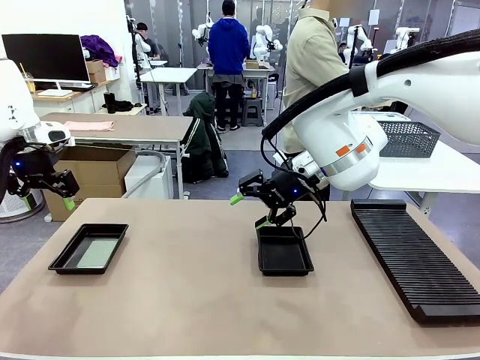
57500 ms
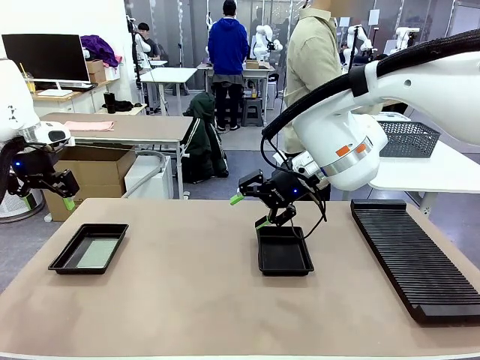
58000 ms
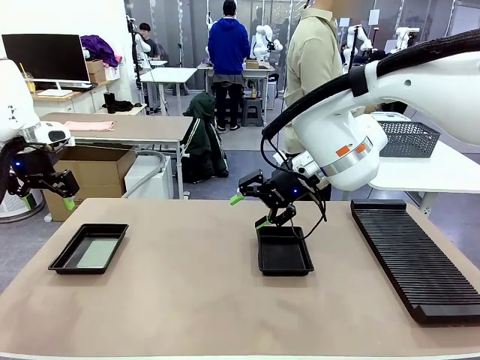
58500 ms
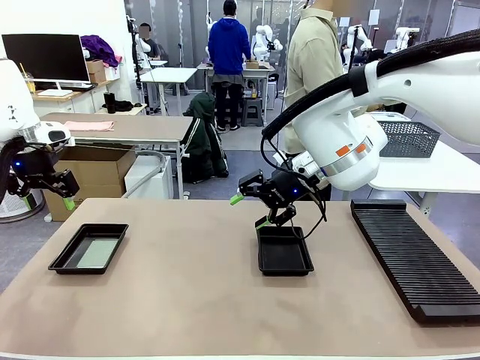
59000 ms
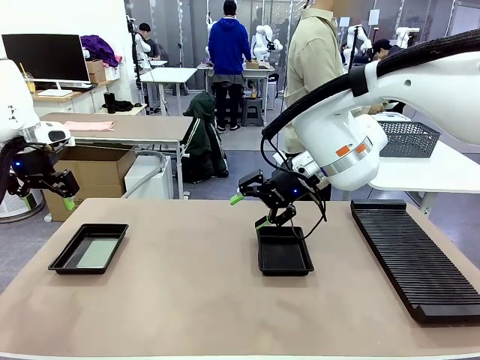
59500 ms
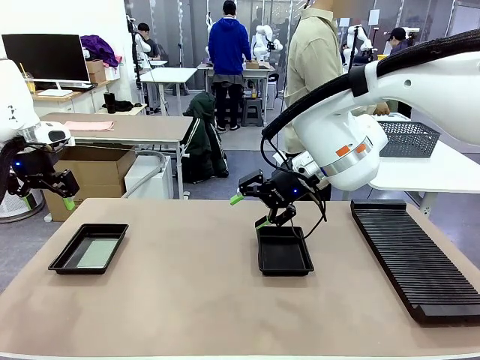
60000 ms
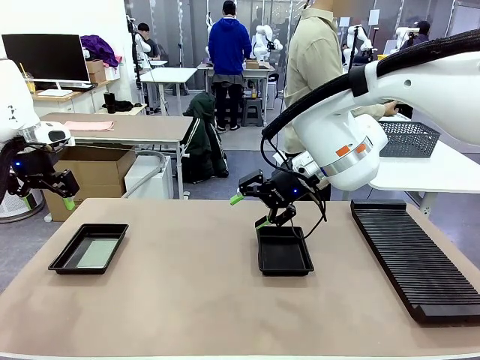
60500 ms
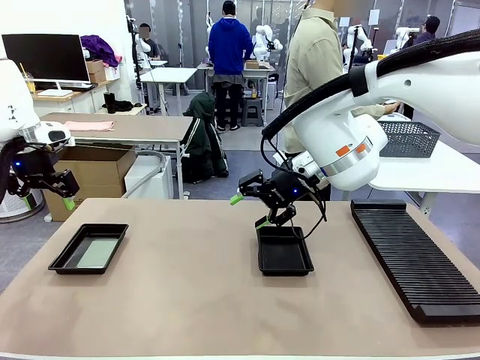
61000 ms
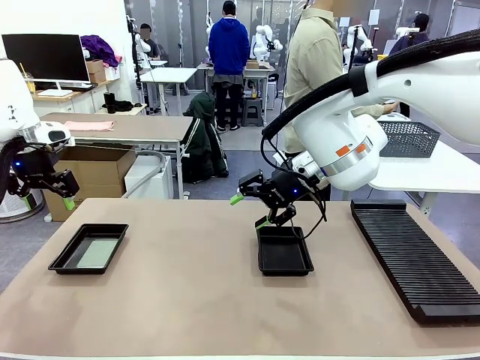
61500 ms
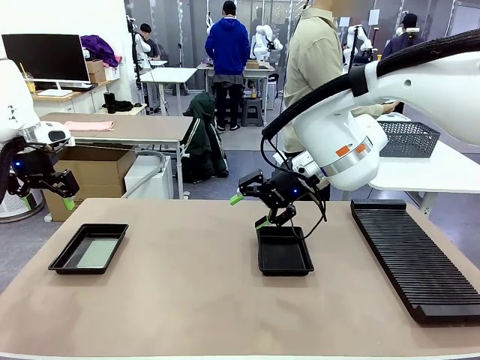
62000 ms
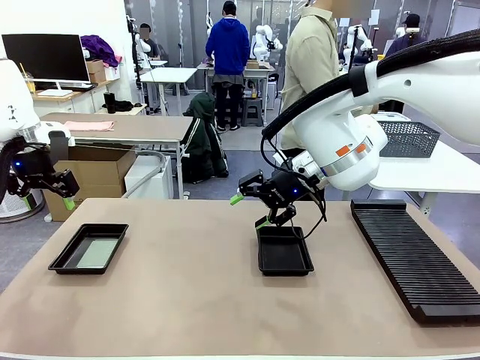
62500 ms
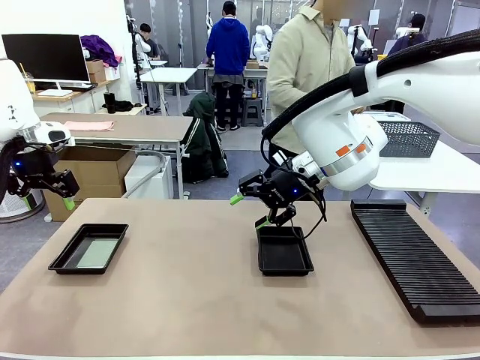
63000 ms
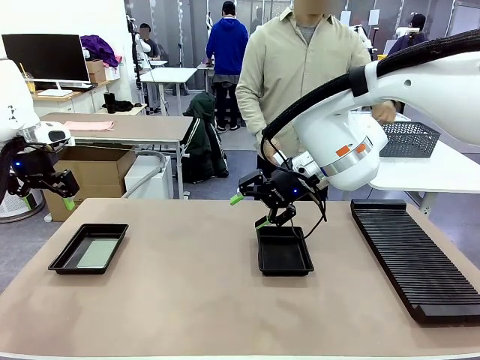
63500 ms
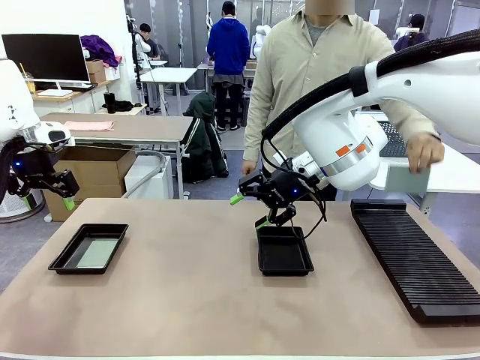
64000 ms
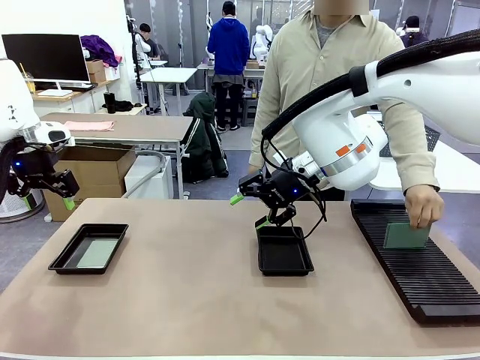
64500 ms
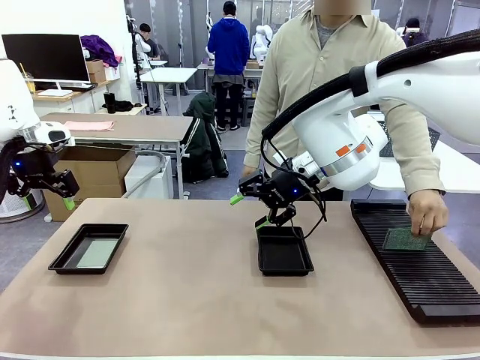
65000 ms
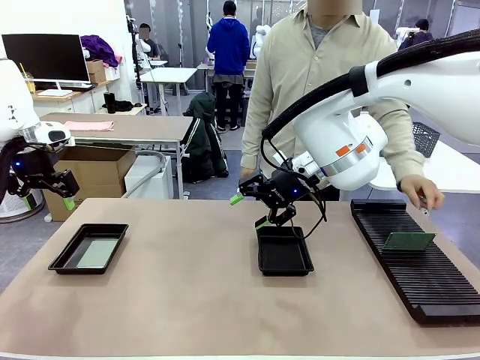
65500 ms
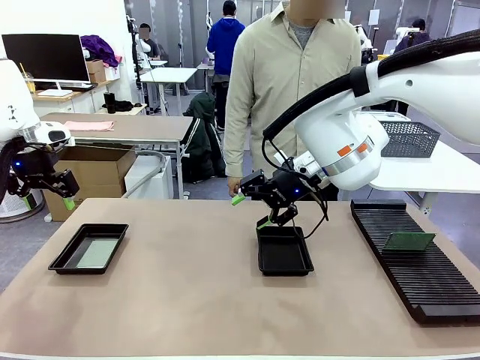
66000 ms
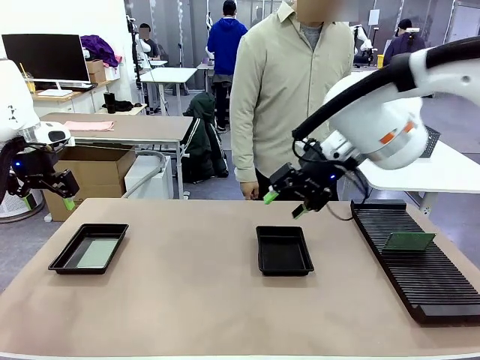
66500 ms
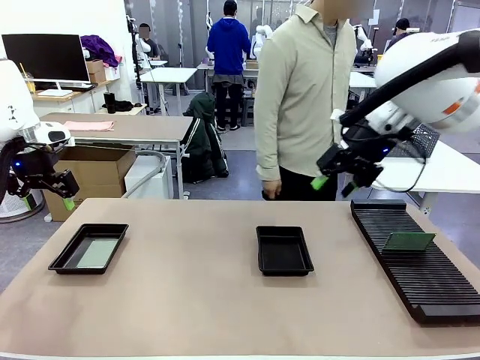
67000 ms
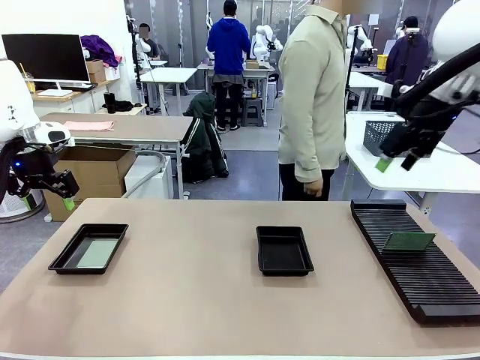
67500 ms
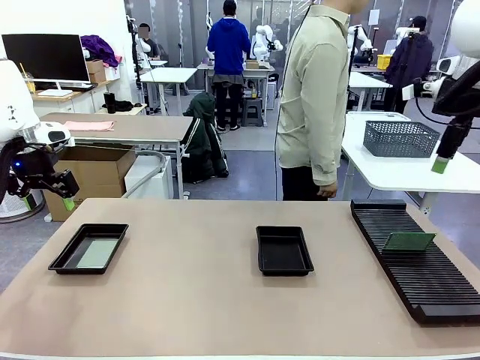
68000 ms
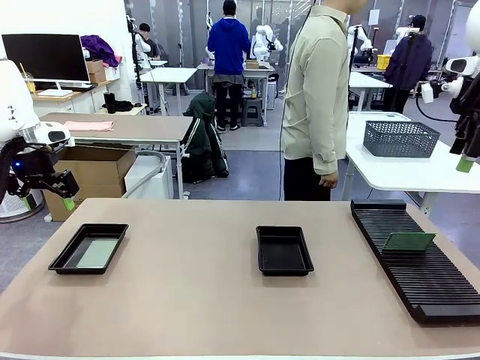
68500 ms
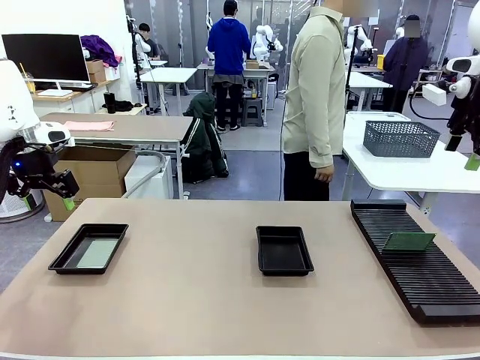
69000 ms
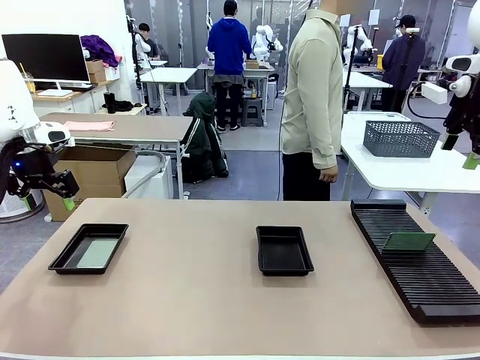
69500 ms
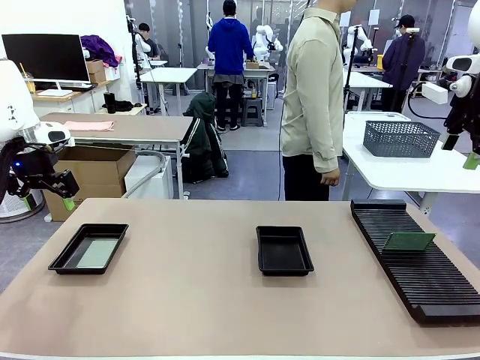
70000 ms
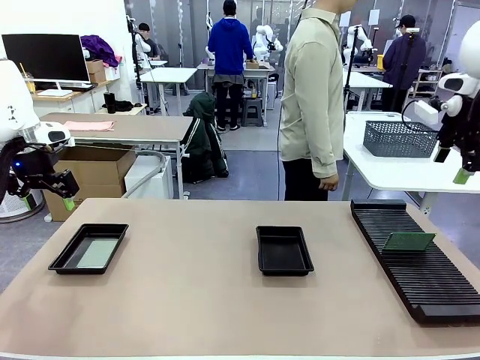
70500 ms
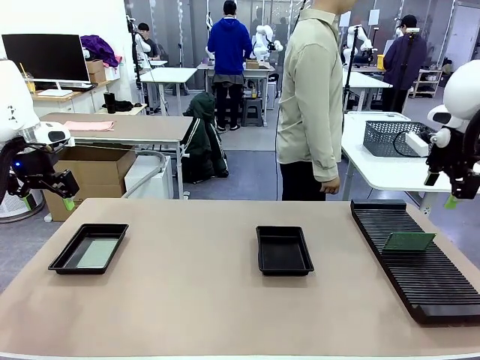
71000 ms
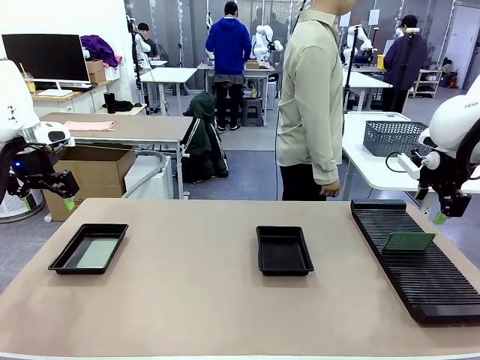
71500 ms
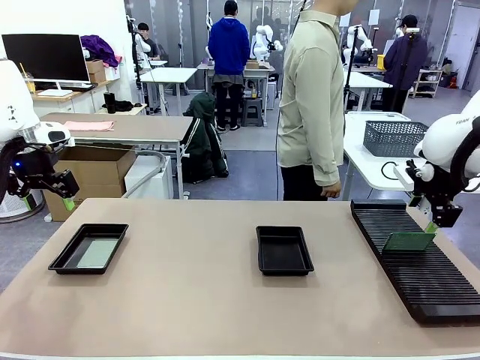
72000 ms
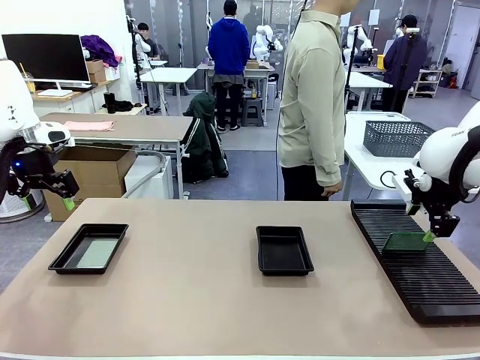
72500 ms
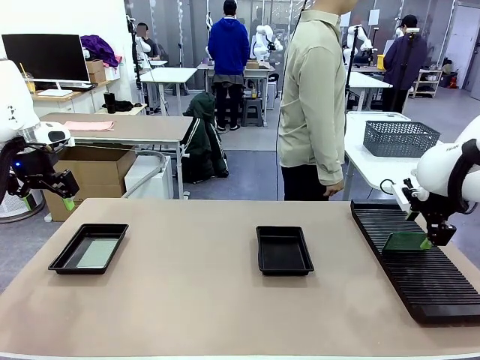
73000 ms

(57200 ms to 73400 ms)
Task: Inspect and transfer BCBs to ESD trays.
Robot: Pick up the Blank PCB from the PCB Rack and place it in the right ESD tray.

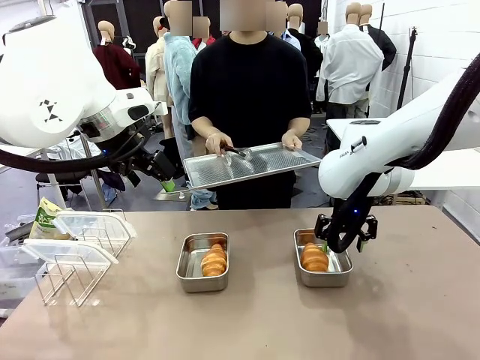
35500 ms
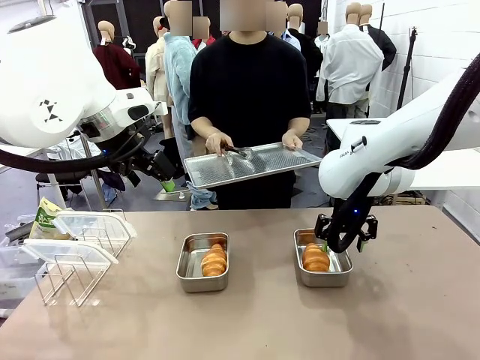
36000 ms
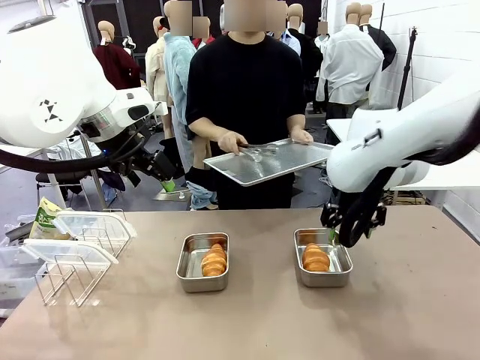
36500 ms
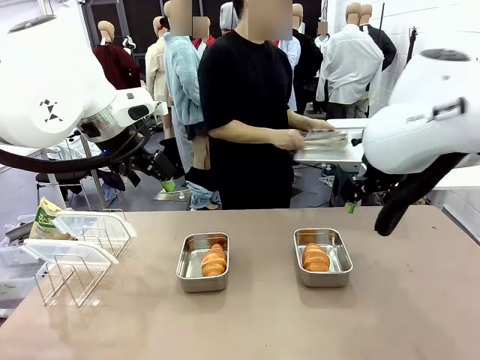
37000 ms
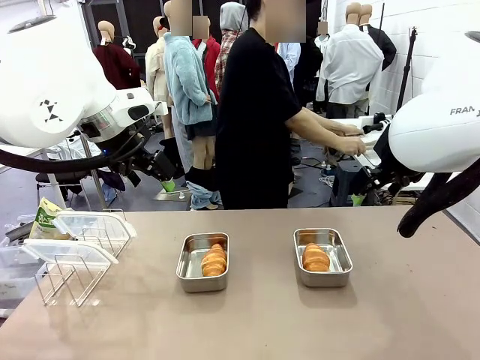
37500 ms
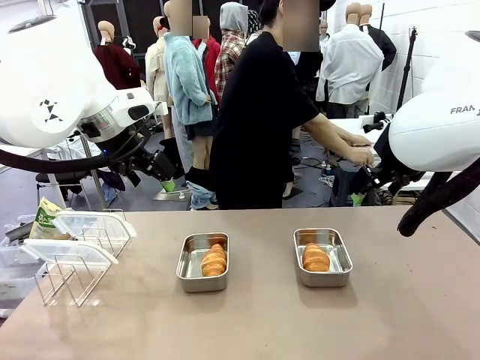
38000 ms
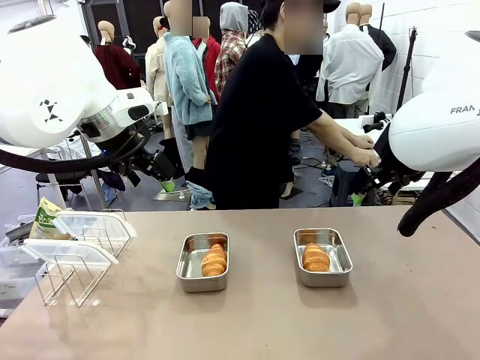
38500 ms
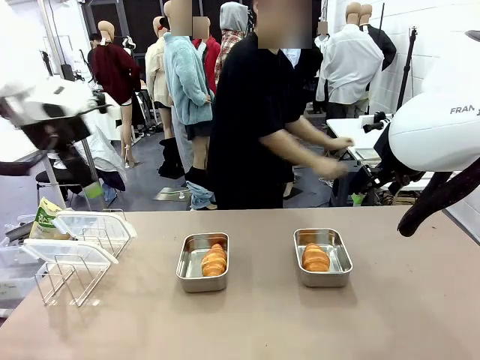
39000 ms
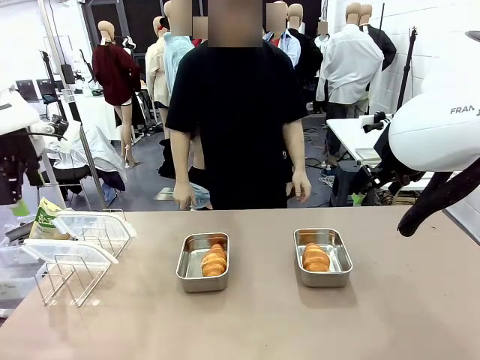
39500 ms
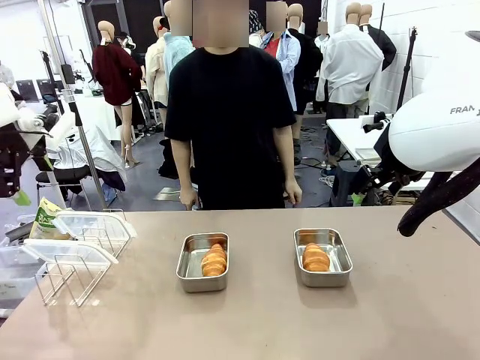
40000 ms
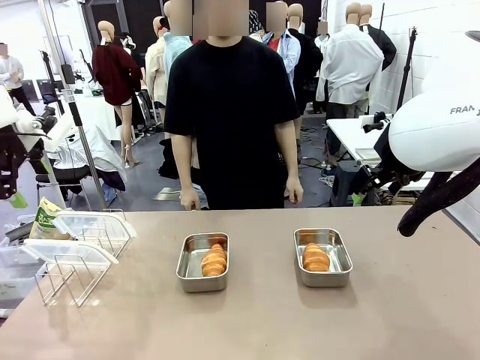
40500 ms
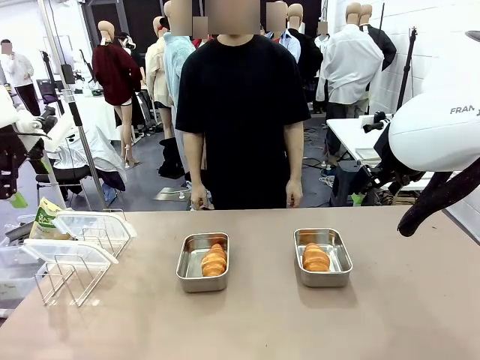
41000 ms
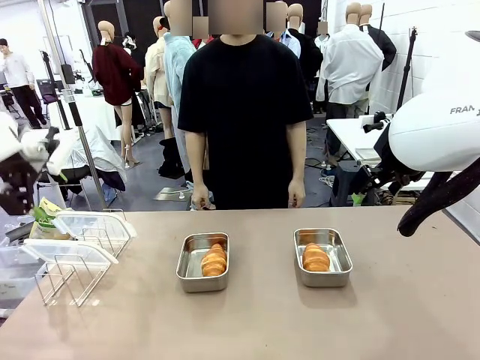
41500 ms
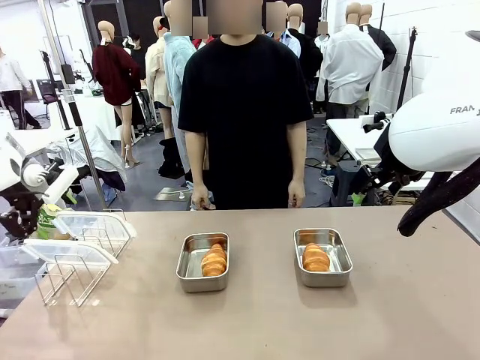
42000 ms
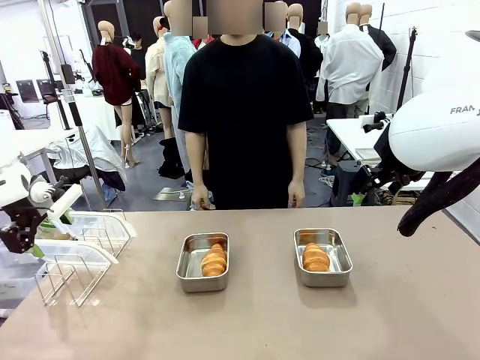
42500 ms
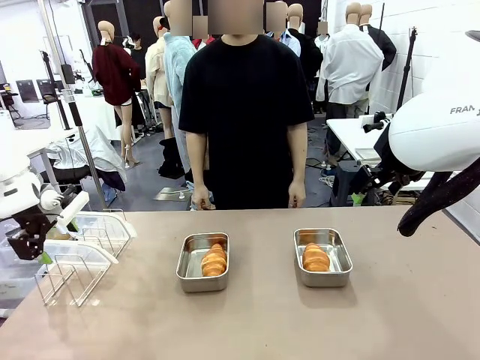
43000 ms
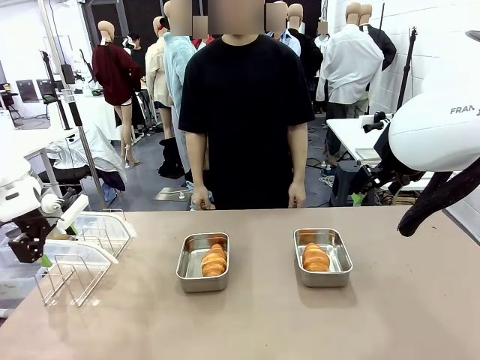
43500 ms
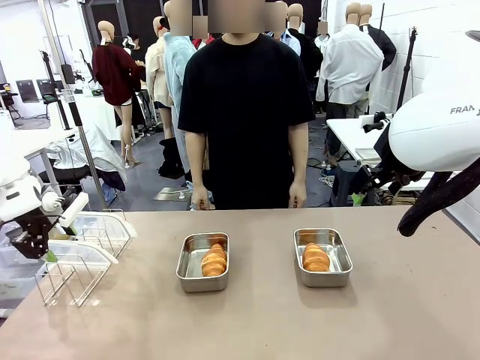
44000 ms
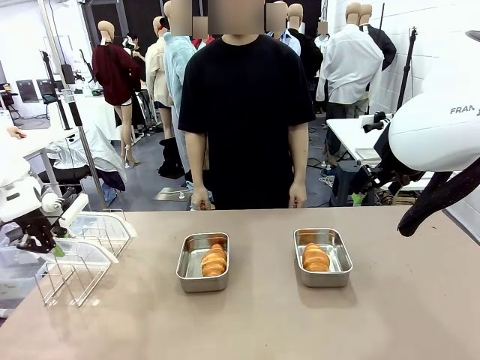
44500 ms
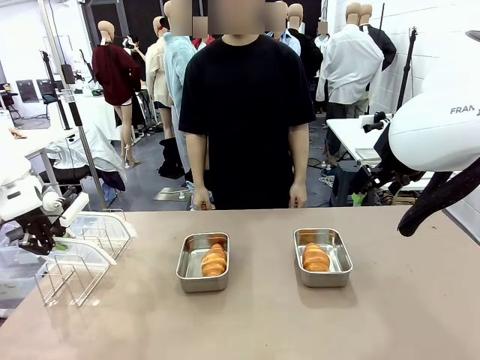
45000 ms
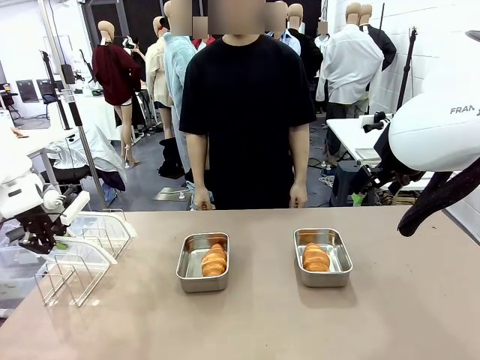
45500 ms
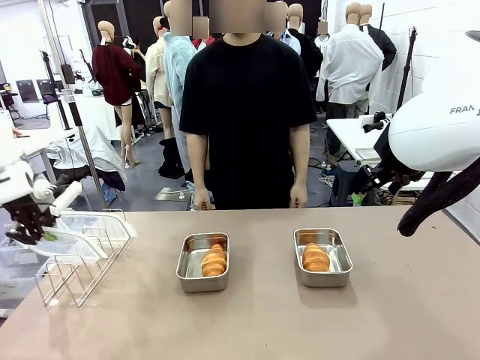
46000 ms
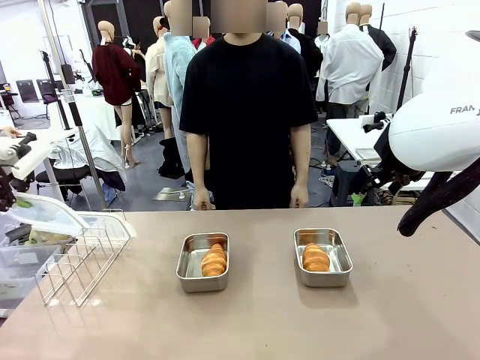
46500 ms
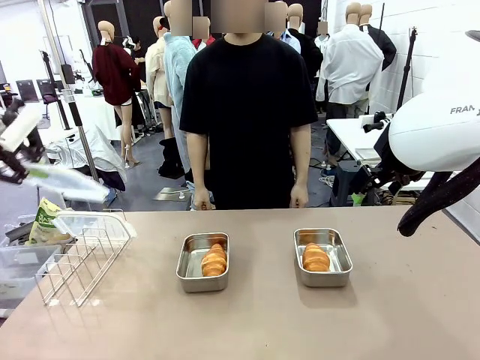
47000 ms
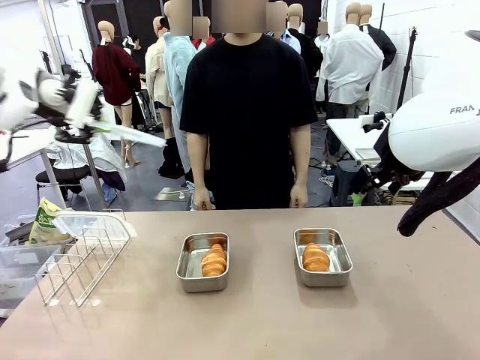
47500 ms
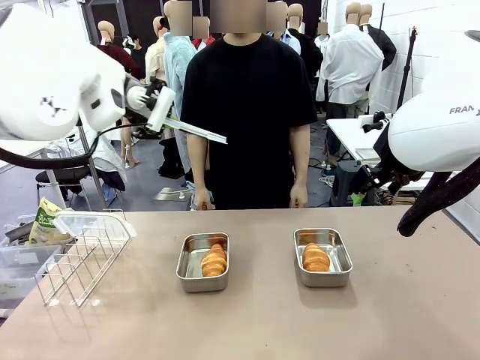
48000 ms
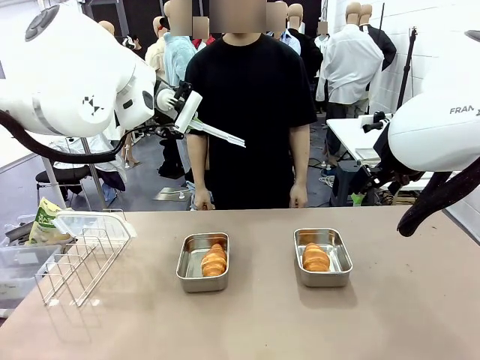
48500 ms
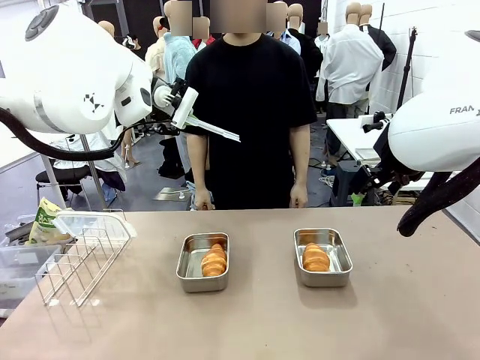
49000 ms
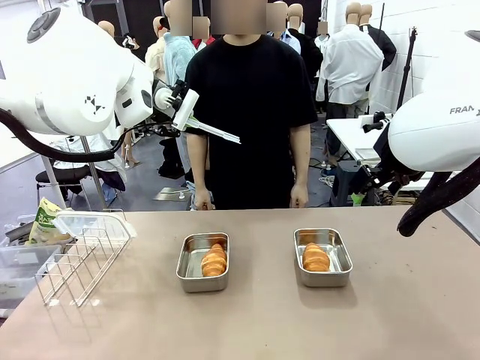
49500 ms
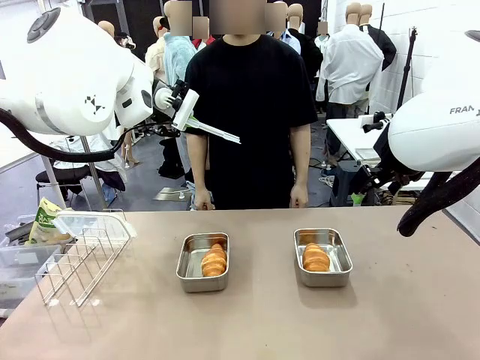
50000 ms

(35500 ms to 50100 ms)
Task: Place the bread in airtight containers.
Robot: Pick up one Airtight Container lid and hand it to the human.
Person: Grip Airtight Container lid that robot is handing.
